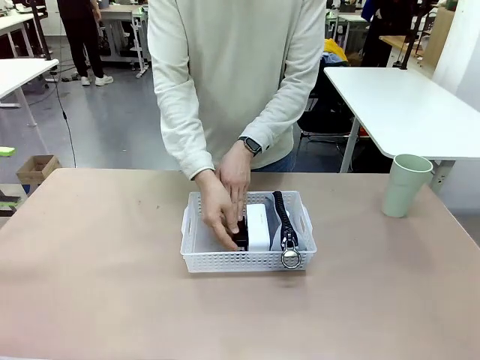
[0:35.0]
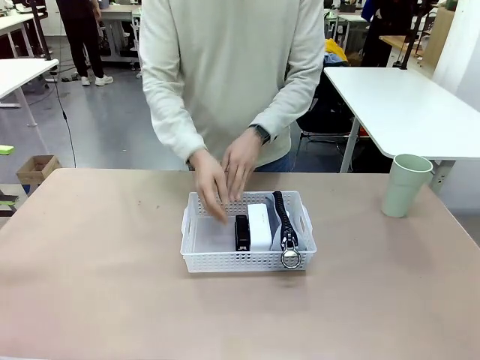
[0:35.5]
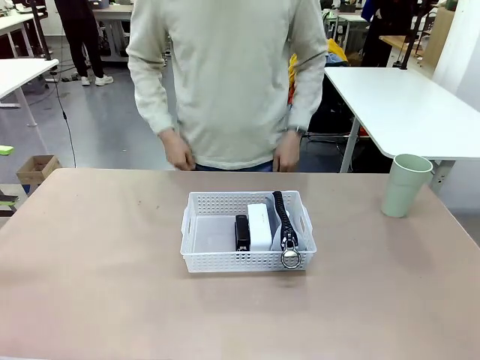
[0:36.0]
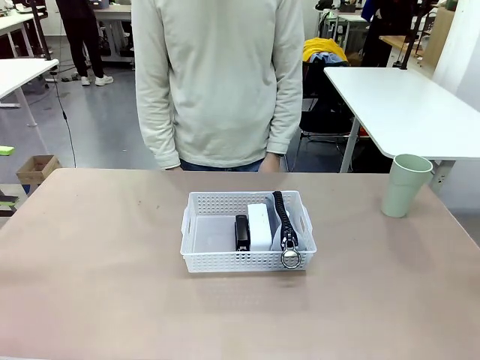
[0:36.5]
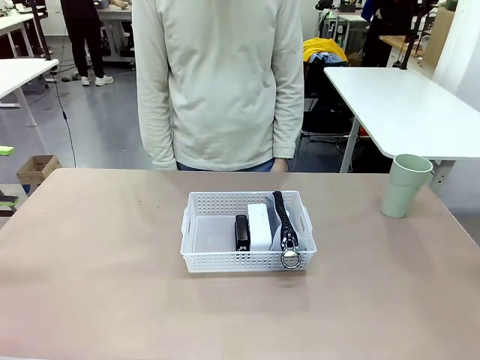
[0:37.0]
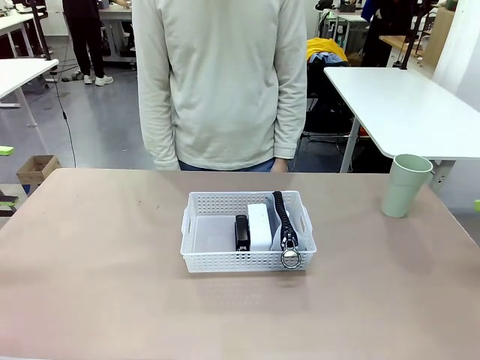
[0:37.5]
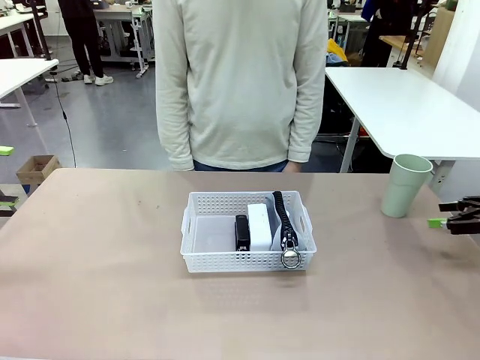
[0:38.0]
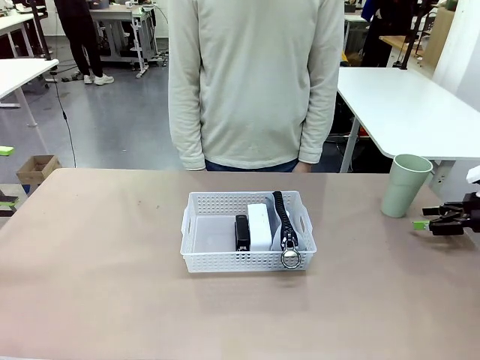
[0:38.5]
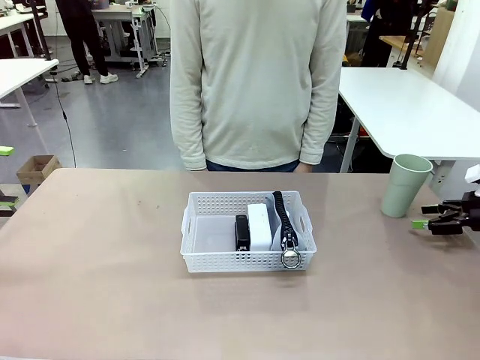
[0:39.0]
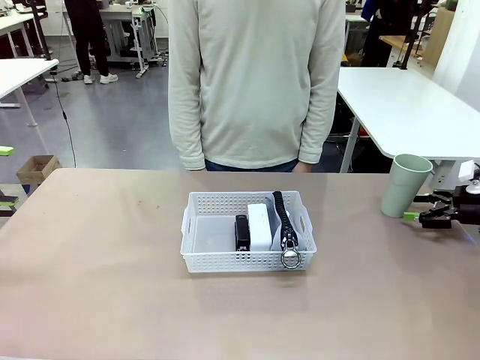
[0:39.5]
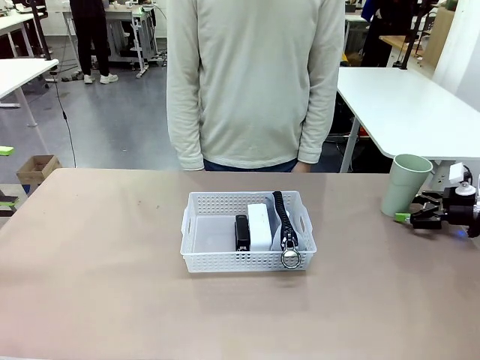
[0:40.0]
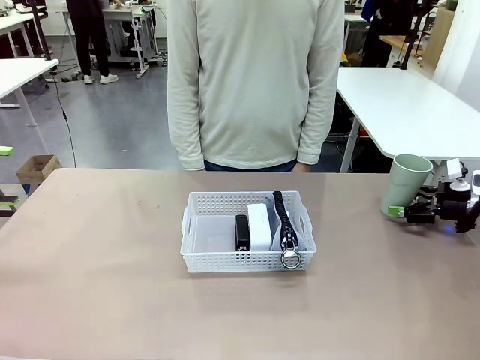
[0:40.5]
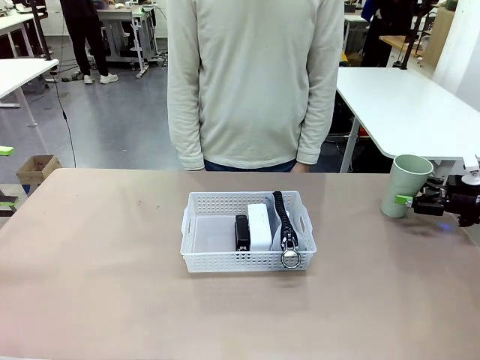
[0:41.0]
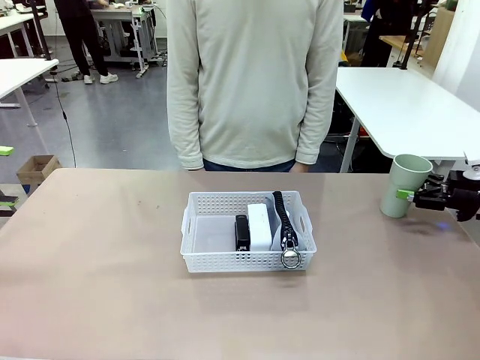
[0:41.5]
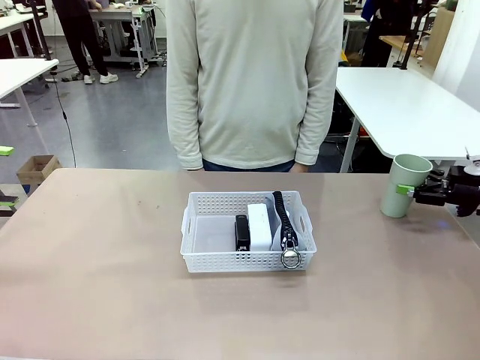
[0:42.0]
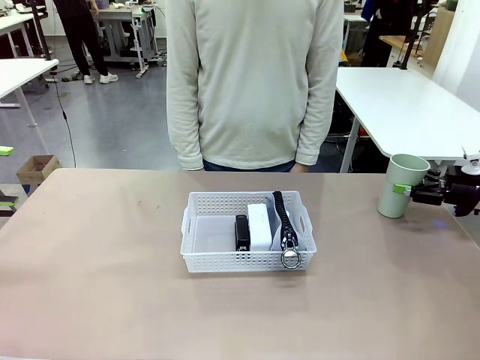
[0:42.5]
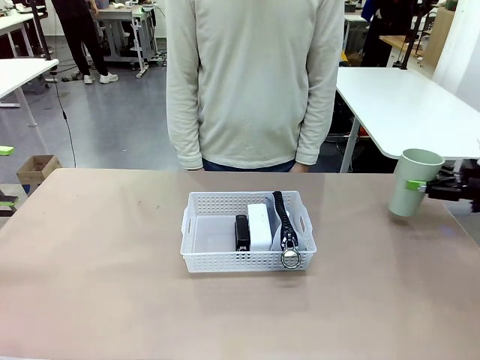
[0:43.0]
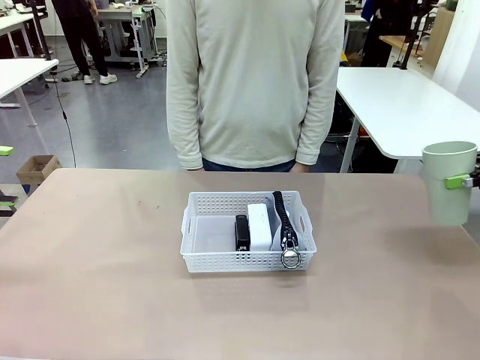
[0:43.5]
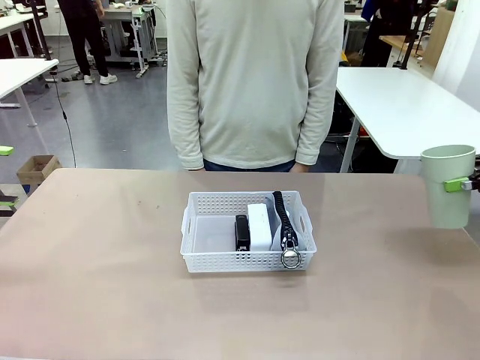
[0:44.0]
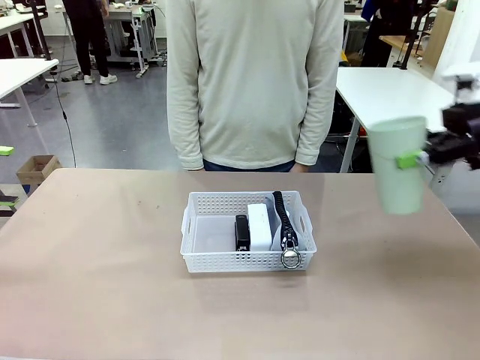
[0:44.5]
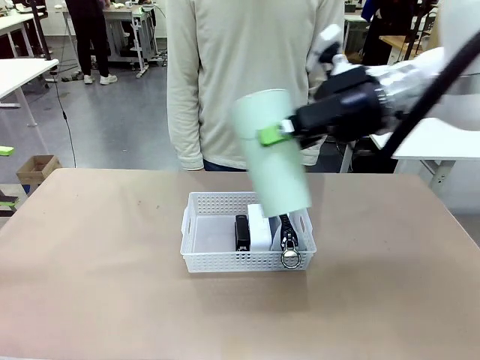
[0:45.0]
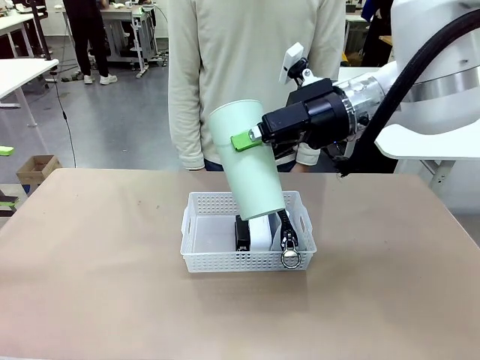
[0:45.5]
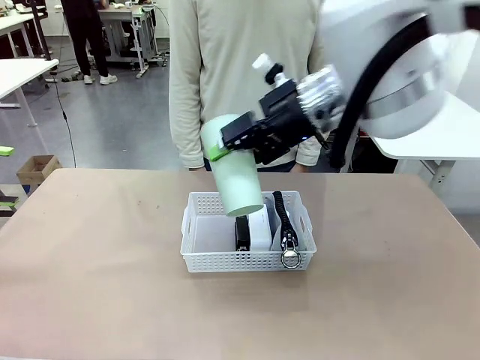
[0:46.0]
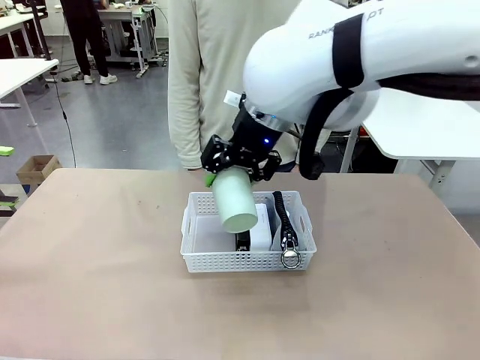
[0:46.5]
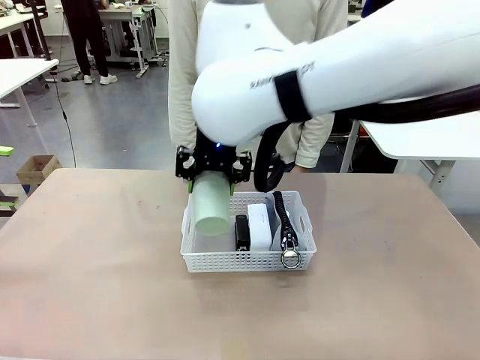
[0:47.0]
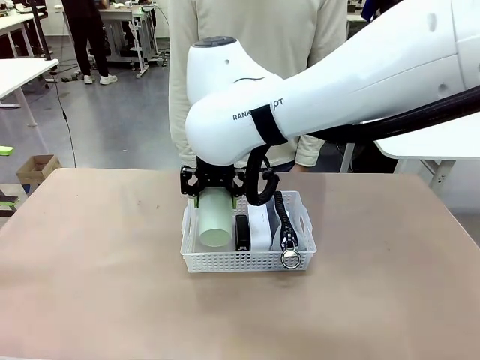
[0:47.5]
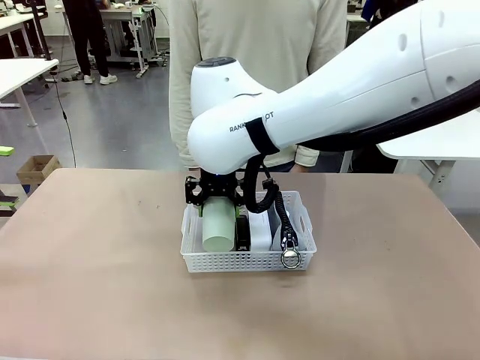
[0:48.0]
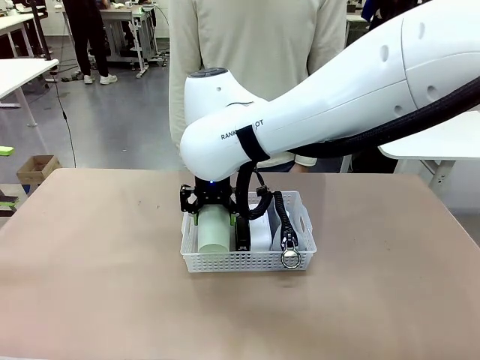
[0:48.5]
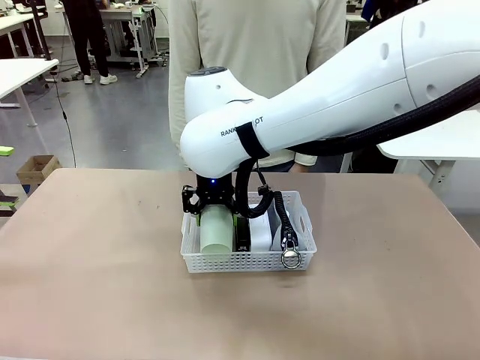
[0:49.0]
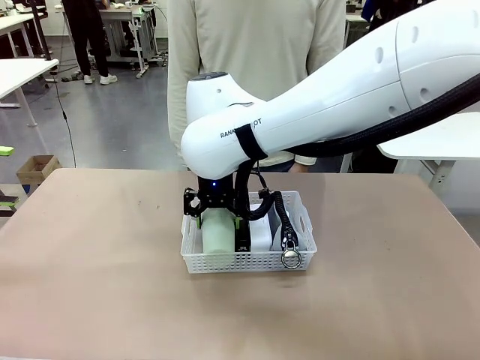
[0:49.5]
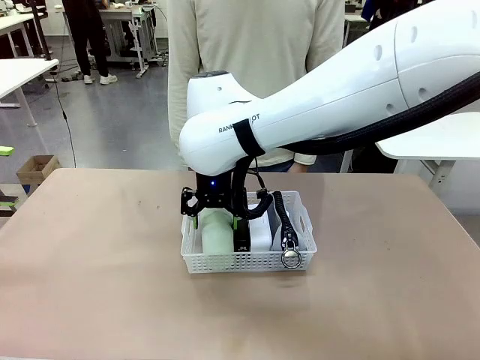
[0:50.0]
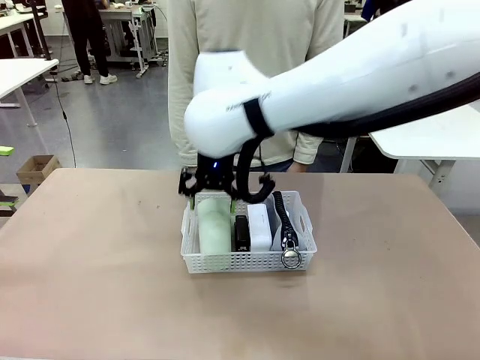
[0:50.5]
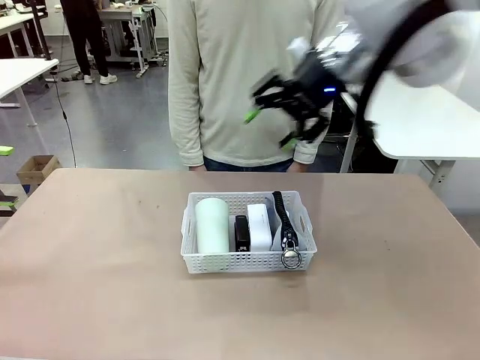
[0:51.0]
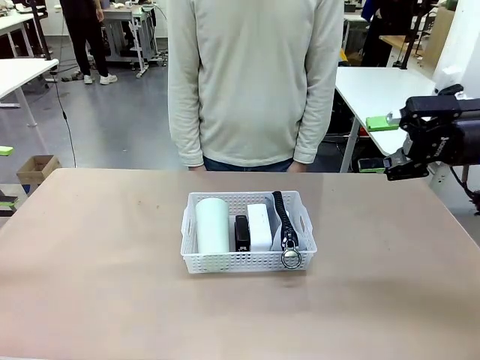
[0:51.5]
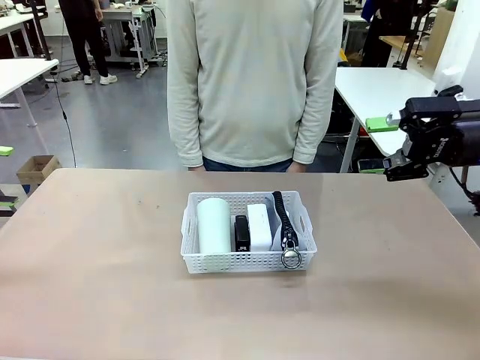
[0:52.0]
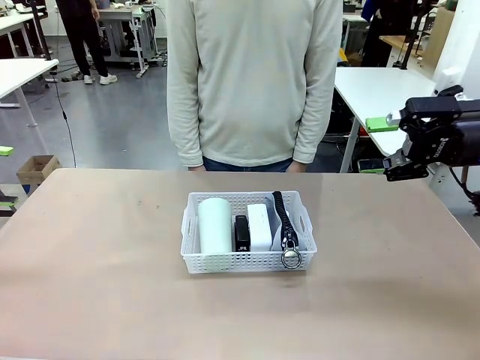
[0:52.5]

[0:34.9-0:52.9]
Task: Efficiently arrange items inside the basket to fit them all.
Robot: Pick up the Reusable plastic cup and place it inside the Organizing basket.
Person: Repositions the stapler.

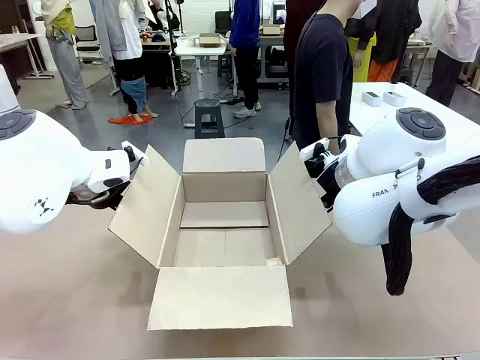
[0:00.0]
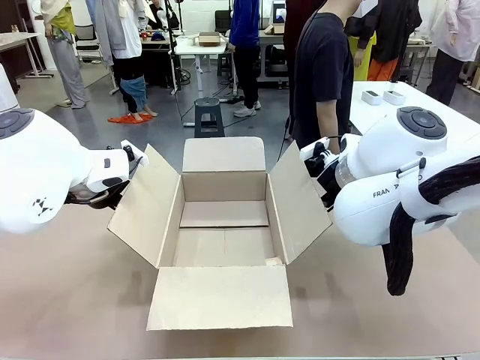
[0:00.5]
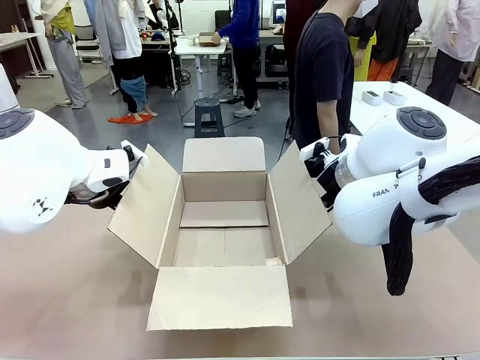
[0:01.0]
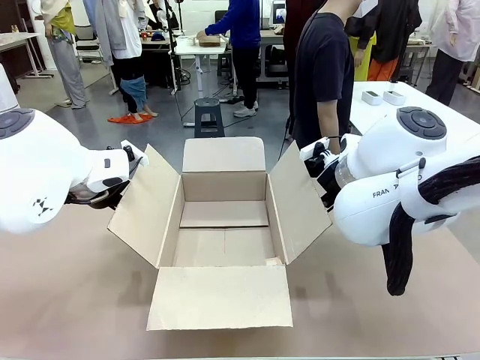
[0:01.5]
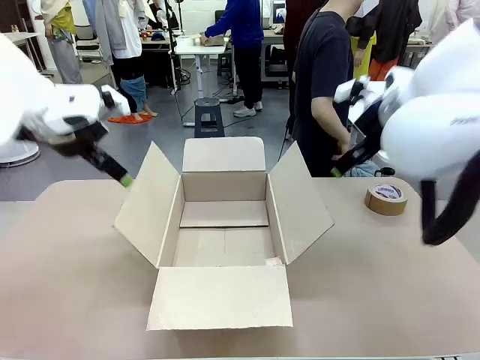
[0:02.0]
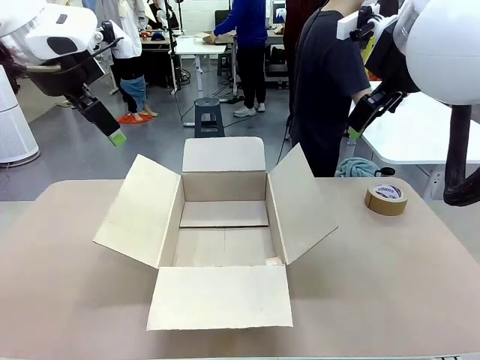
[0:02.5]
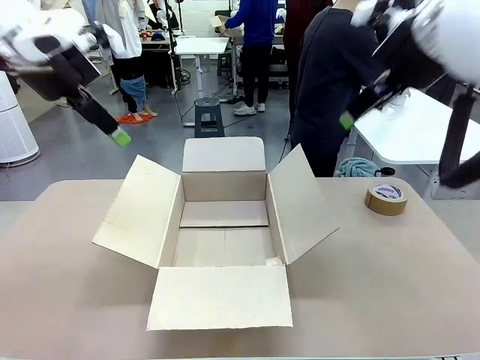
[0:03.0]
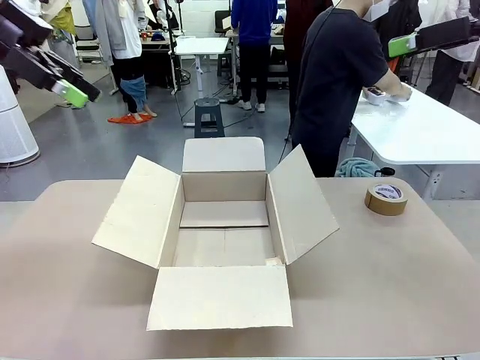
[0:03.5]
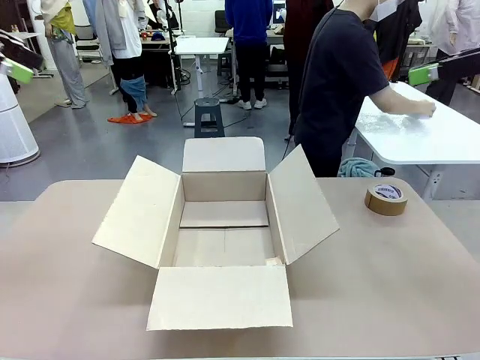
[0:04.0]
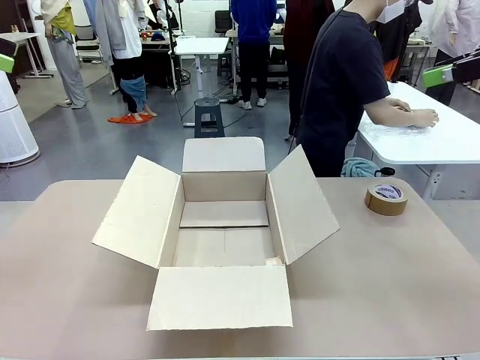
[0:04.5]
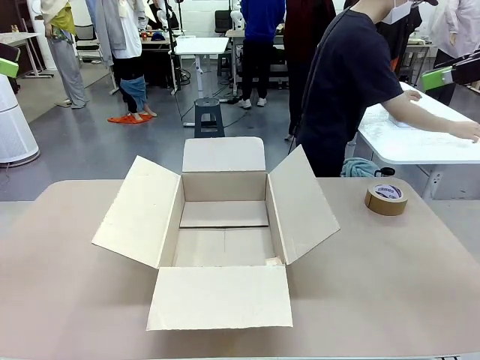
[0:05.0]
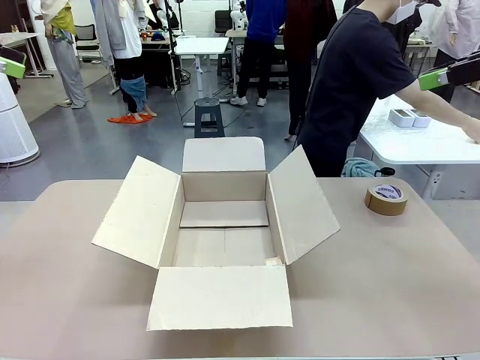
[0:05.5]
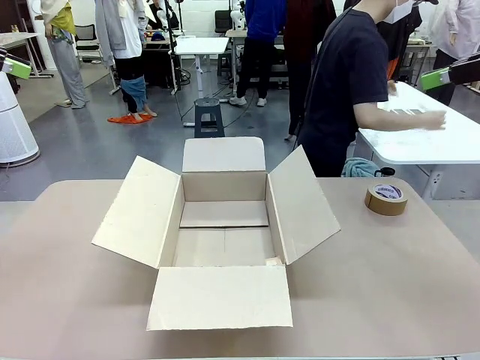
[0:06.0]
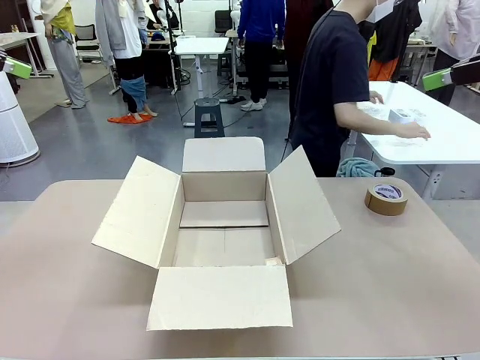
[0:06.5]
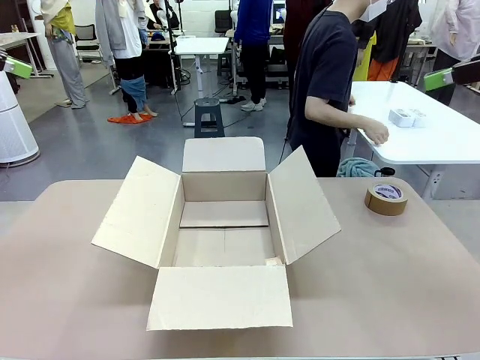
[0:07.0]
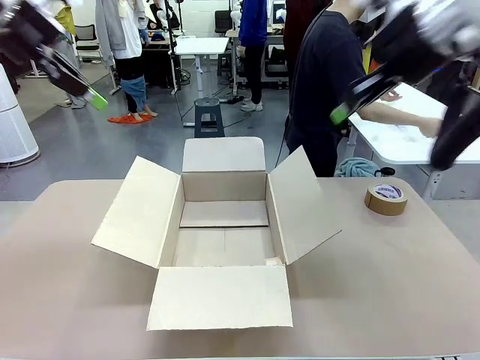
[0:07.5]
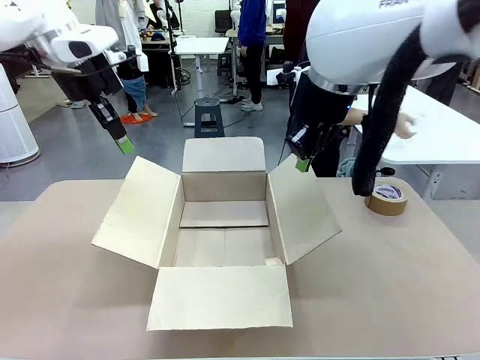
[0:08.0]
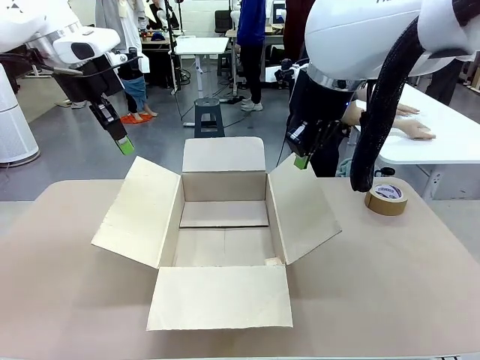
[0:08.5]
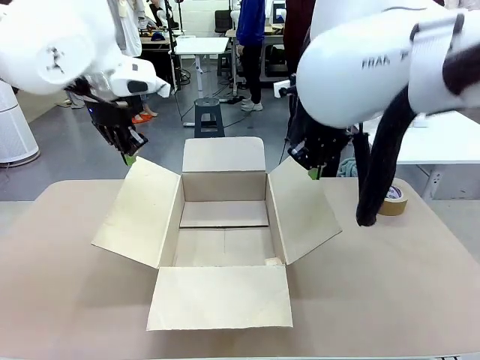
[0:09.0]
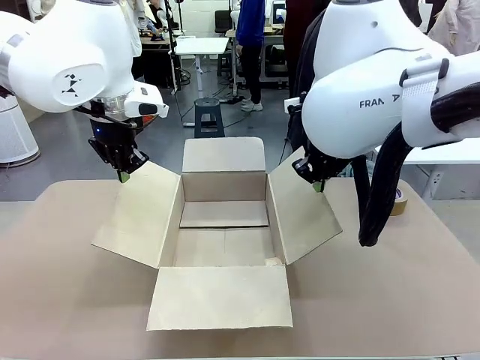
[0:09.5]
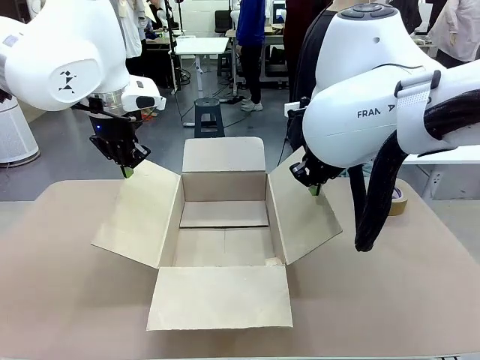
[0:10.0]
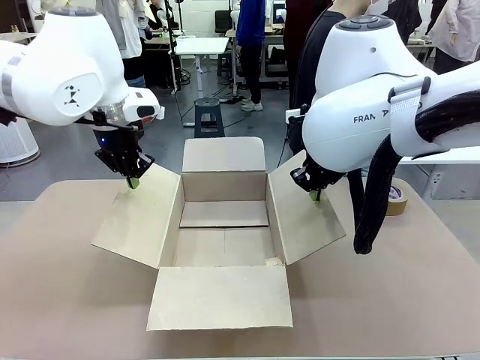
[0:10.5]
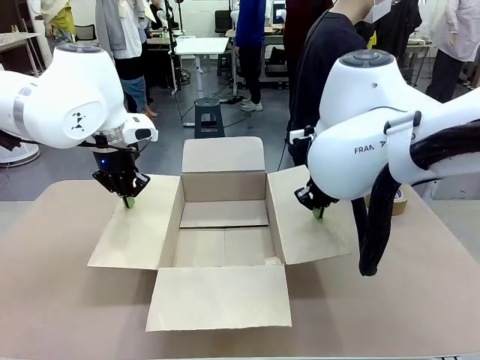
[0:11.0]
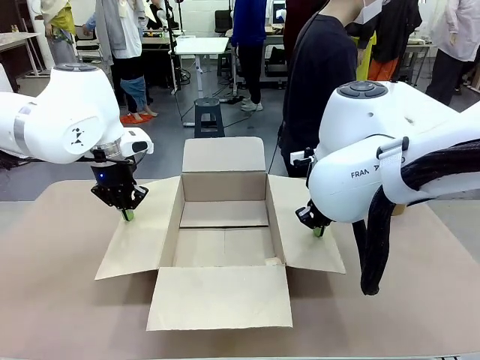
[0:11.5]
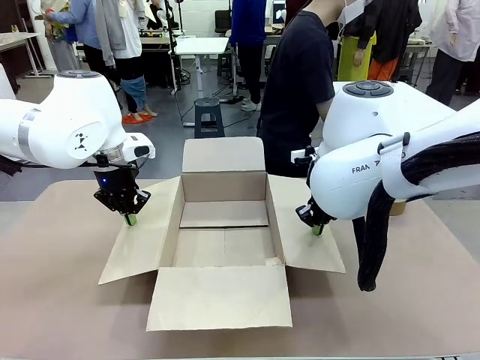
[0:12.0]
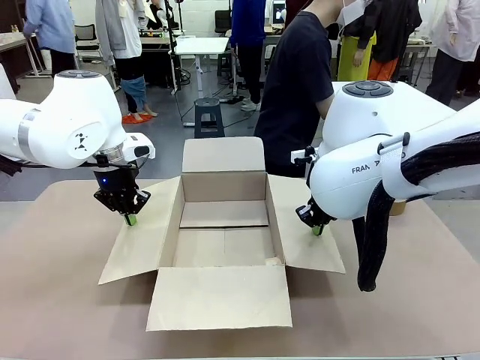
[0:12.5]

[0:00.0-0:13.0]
Task: Wrap the clocks to prevent damage.
Robot: Open the side flaps of the Package Box.
Person: Wrap the two Digital clocks with Bubble Wrap.
